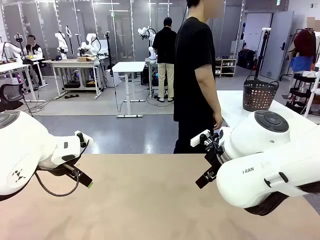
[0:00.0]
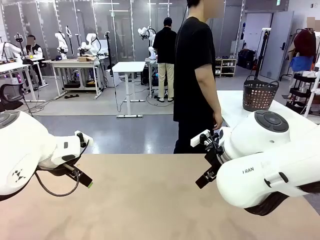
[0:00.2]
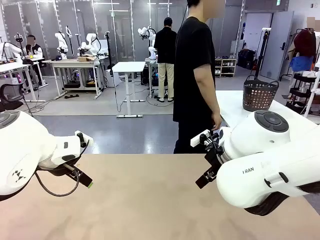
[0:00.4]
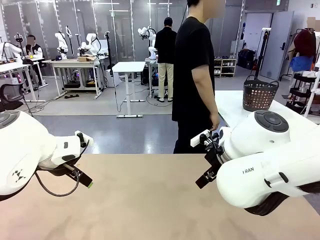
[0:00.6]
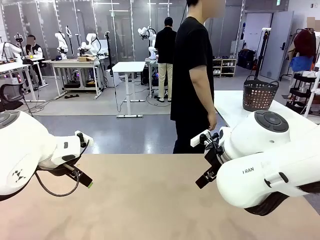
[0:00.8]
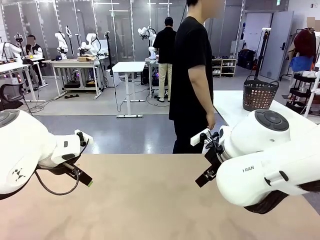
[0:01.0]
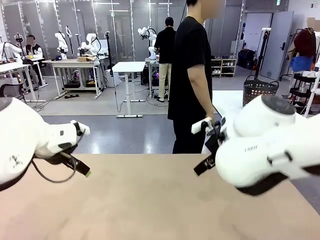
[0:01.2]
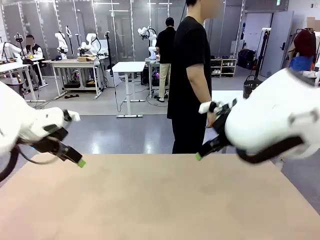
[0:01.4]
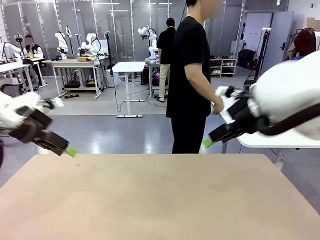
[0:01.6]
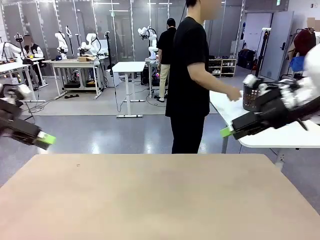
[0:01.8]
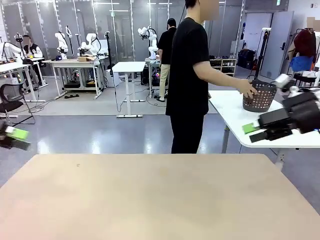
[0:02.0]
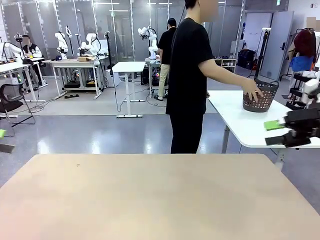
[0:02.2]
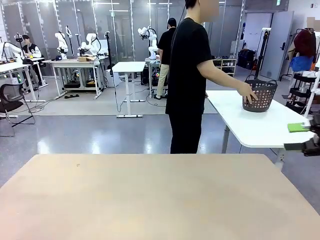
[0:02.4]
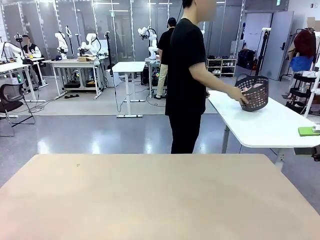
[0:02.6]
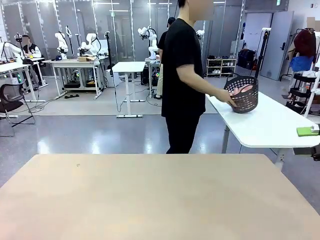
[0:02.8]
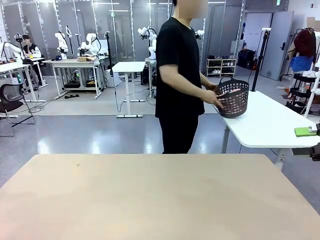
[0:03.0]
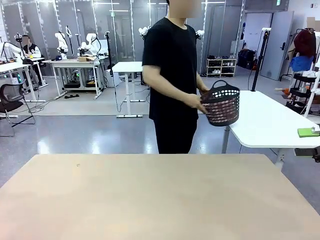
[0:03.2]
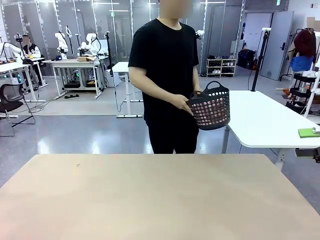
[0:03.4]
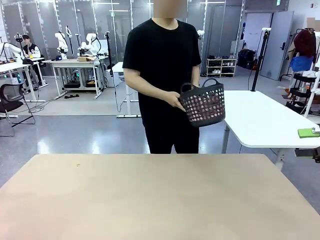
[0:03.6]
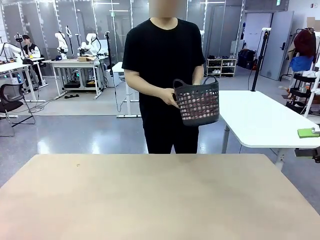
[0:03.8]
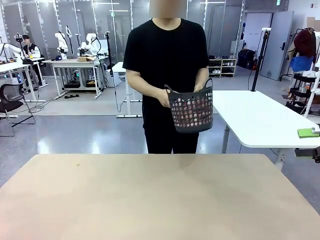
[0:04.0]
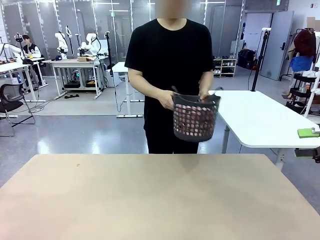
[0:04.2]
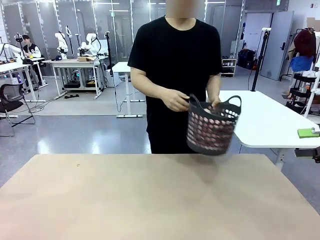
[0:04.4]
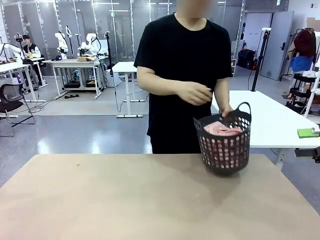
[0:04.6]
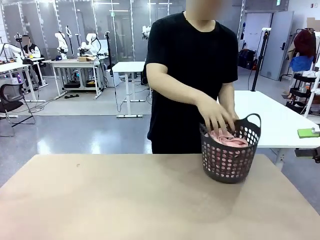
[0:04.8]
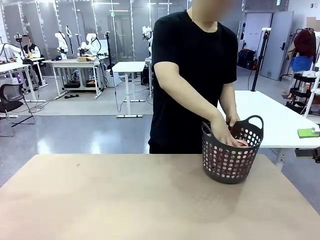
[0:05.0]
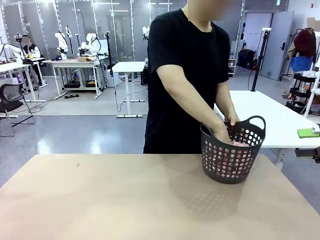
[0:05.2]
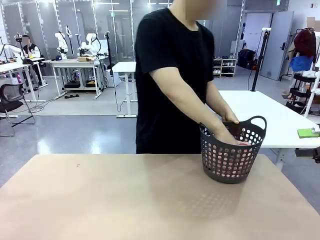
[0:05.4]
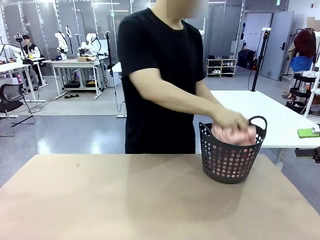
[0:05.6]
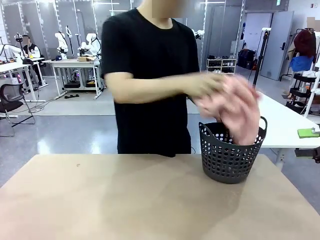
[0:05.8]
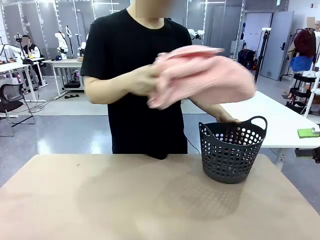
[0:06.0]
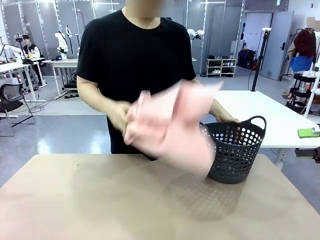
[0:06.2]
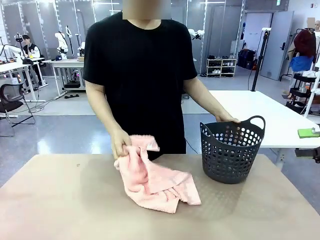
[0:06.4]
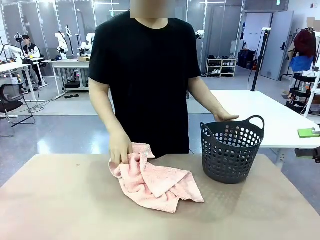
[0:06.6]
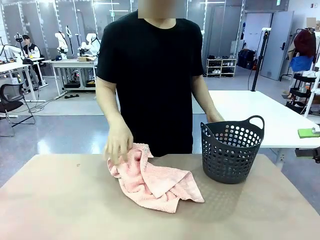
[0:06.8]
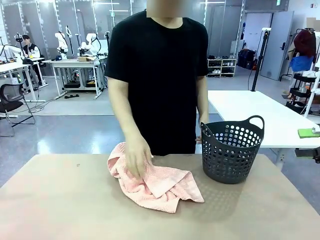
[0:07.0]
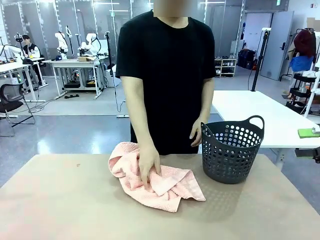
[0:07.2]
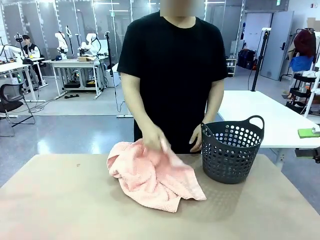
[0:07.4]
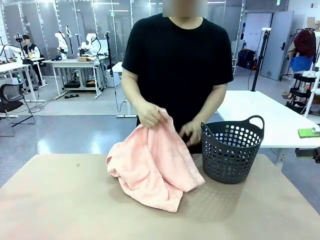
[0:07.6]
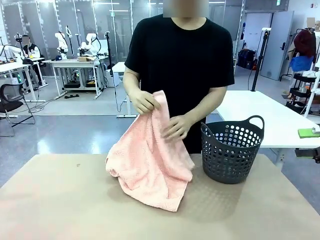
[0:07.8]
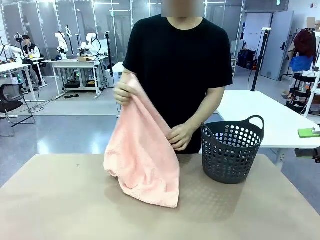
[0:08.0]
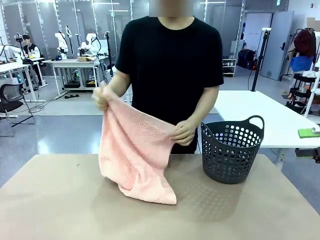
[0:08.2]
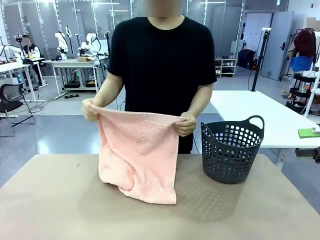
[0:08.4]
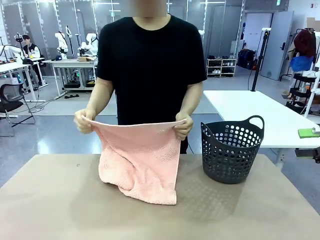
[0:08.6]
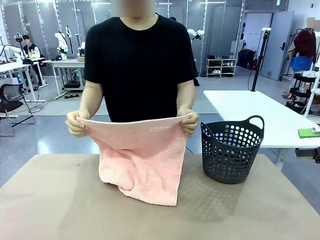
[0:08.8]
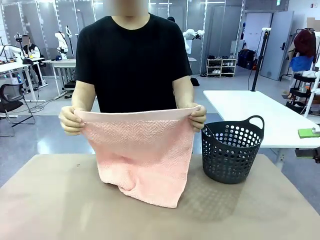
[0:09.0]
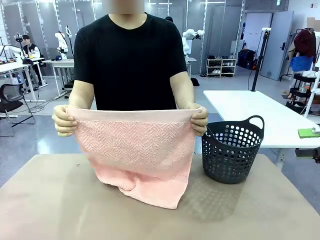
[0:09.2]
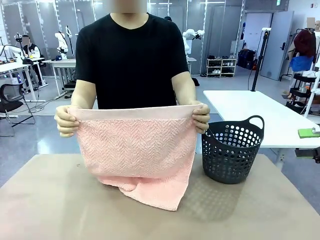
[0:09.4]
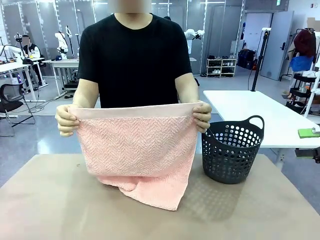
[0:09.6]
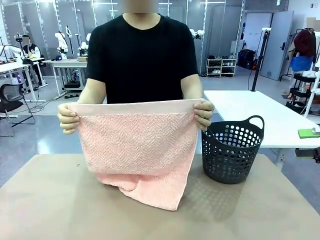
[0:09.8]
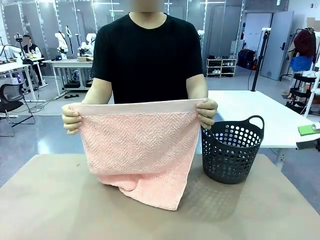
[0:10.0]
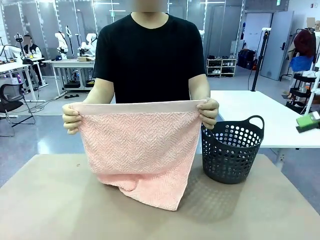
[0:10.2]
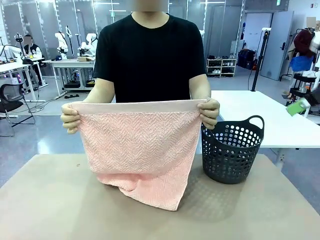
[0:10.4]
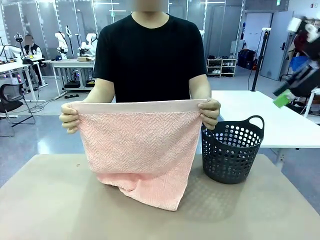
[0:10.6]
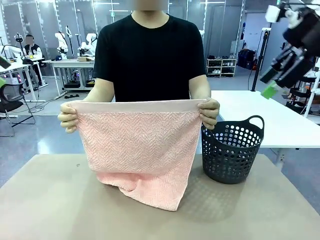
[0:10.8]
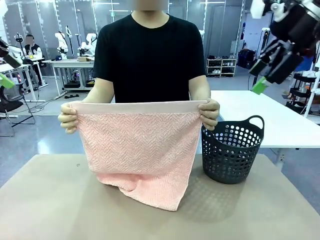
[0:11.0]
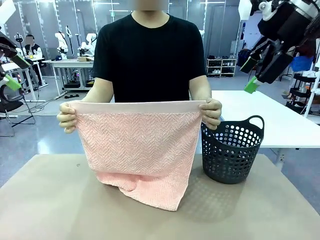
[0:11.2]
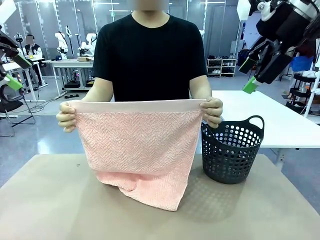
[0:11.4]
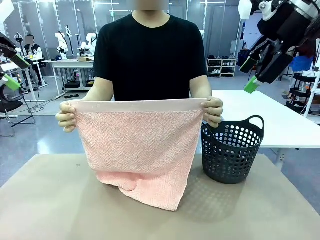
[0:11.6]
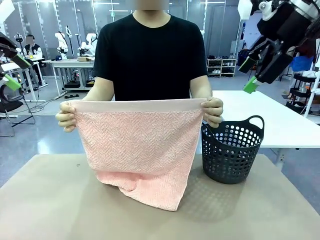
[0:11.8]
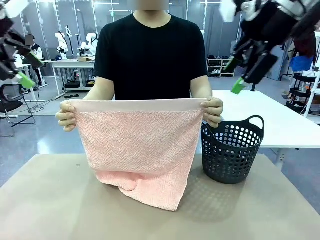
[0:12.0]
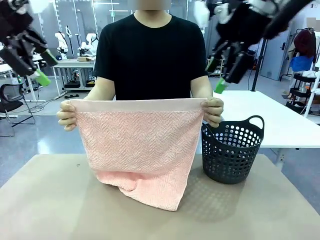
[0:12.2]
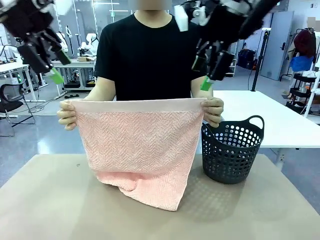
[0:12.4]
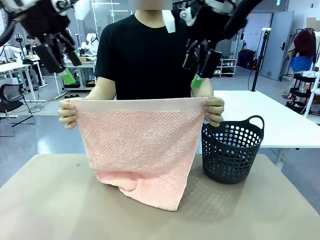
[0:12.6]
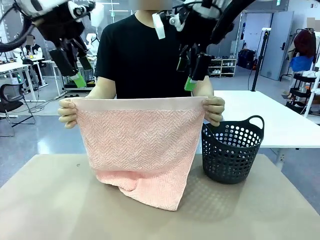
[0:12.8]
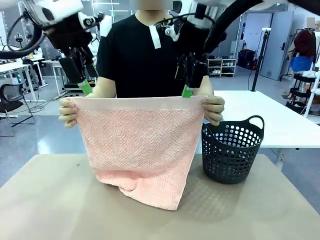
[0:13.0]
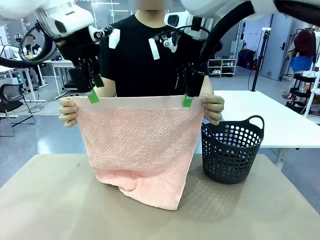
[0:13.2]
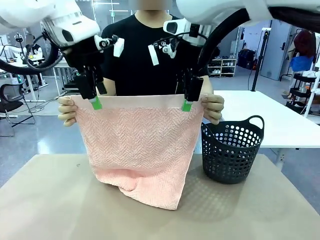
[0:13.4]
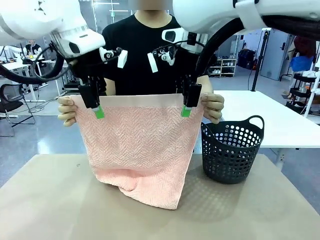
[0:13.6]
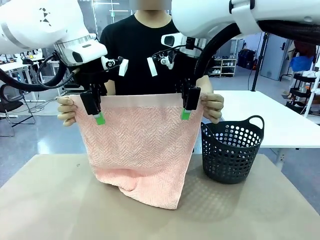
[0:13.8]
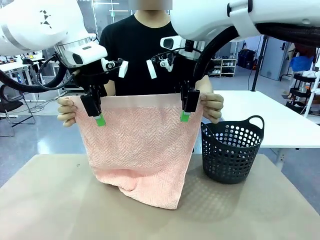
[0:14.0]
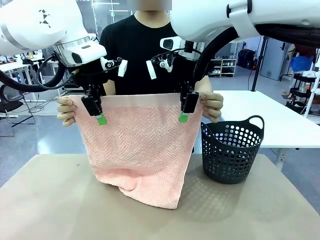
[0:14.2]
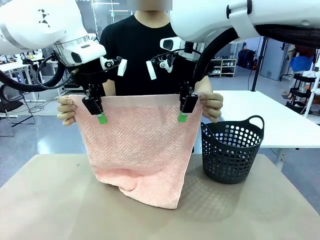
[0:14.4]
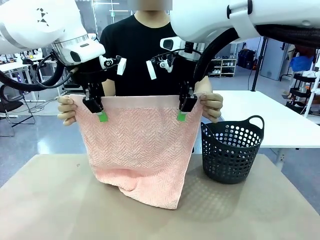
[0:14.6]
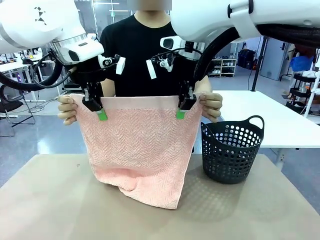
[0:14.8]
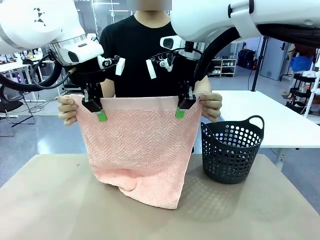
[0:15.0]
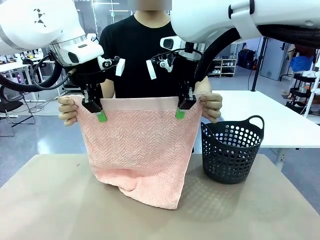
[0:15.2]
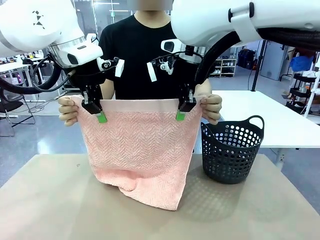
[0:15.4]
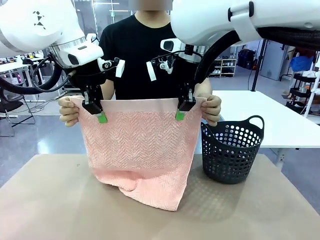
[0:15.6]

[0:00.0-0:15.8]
Task: Fold the towel.
Robot: Grab the top end of the 100 cm Hotel Towel extended by the human.
Person: Pick up the laundry basket, place it on the left side of the robot table, then take out a towel and hand it to the robot while holding both corners of one end.
